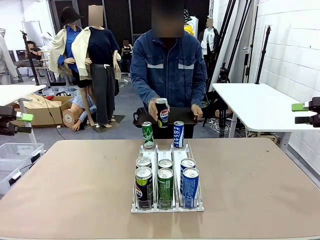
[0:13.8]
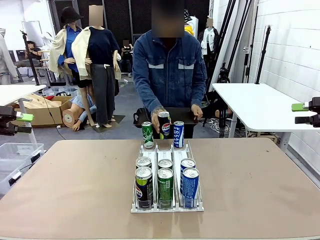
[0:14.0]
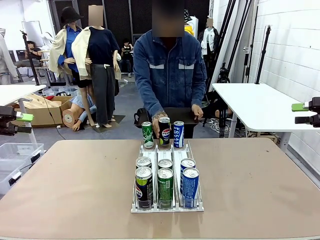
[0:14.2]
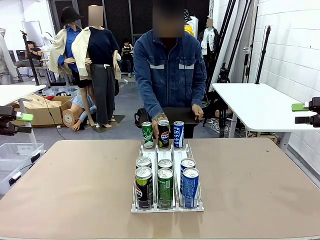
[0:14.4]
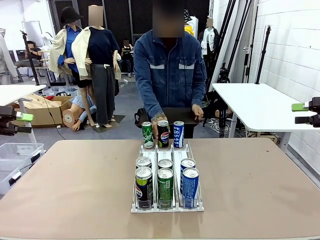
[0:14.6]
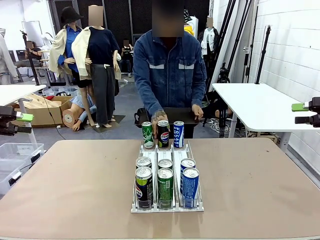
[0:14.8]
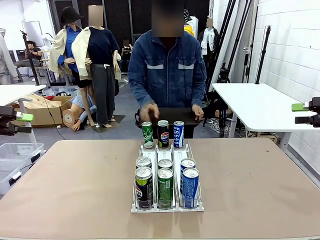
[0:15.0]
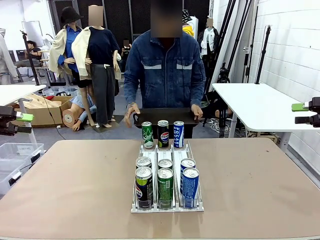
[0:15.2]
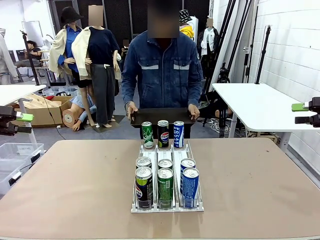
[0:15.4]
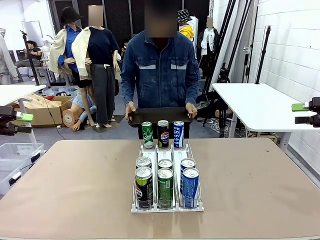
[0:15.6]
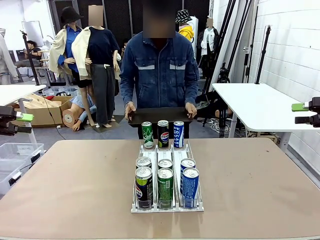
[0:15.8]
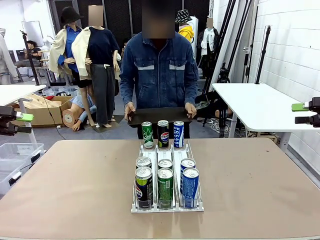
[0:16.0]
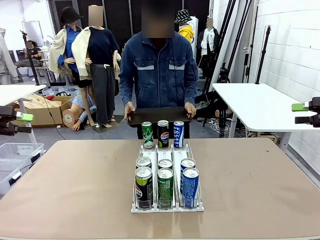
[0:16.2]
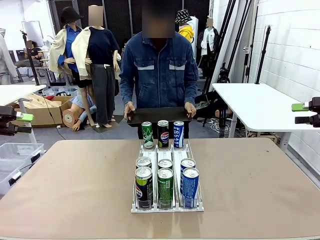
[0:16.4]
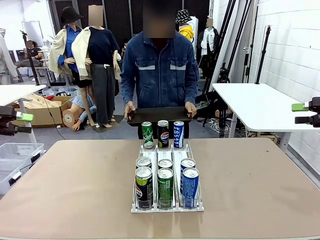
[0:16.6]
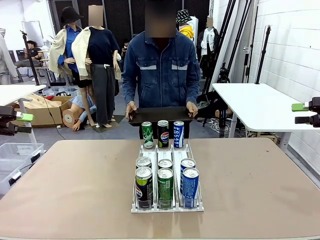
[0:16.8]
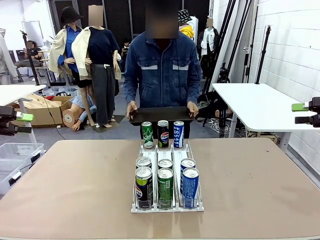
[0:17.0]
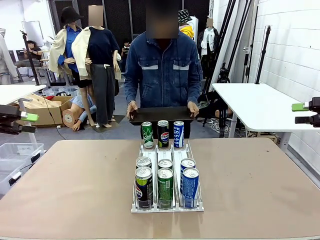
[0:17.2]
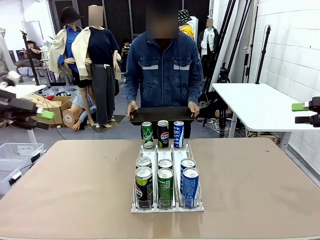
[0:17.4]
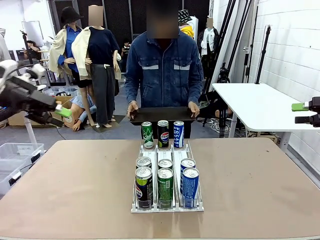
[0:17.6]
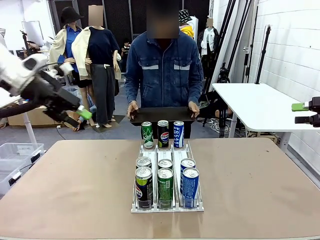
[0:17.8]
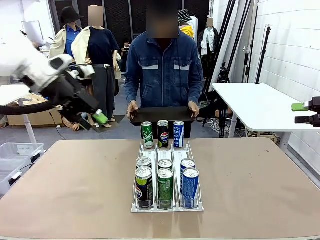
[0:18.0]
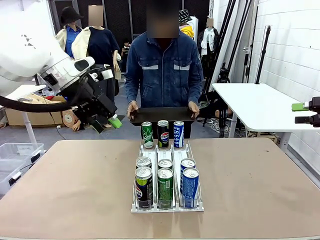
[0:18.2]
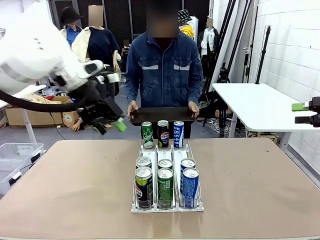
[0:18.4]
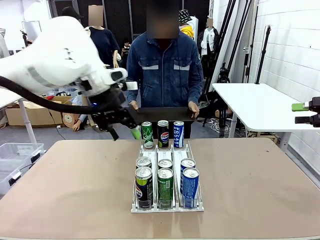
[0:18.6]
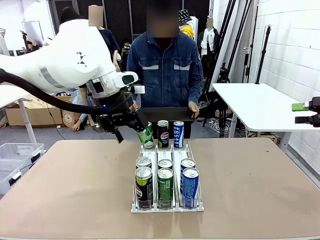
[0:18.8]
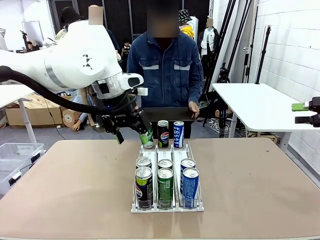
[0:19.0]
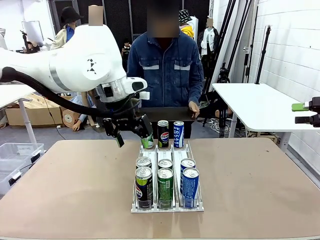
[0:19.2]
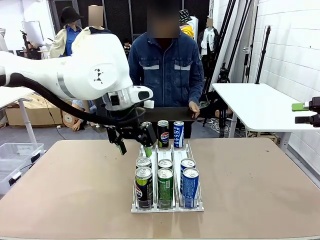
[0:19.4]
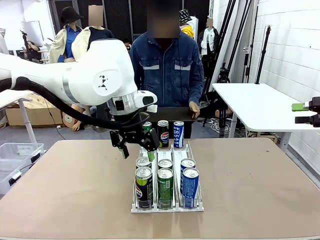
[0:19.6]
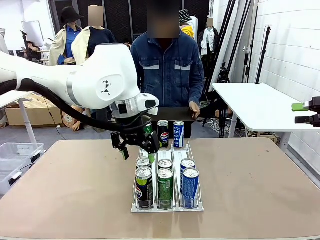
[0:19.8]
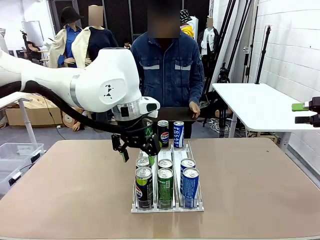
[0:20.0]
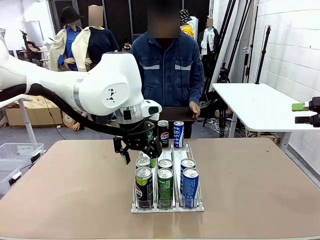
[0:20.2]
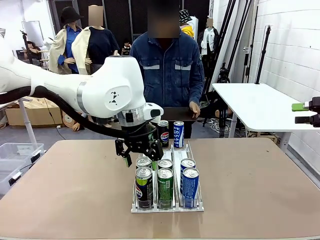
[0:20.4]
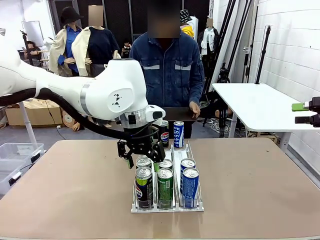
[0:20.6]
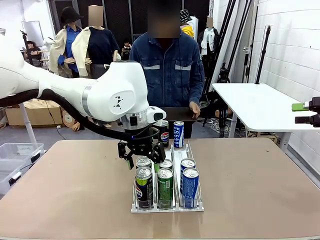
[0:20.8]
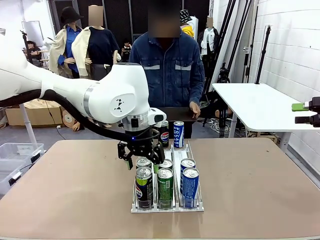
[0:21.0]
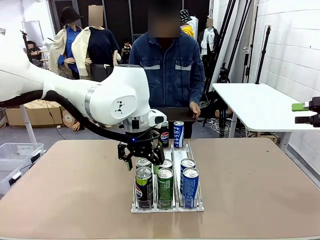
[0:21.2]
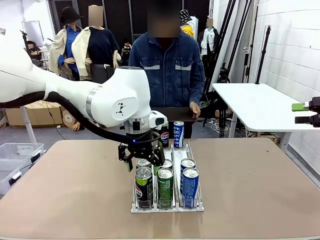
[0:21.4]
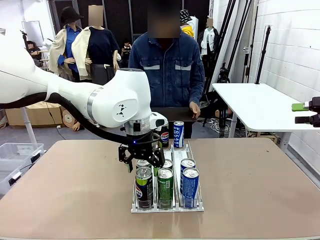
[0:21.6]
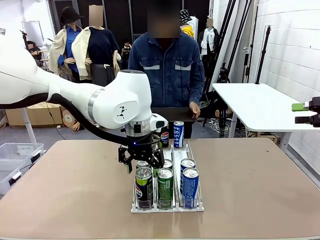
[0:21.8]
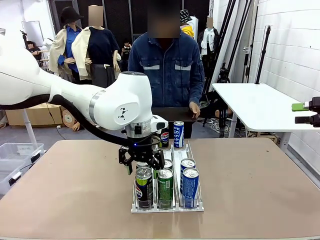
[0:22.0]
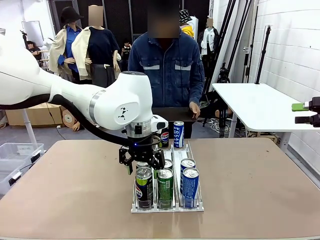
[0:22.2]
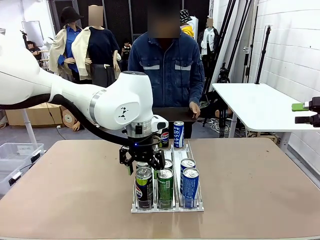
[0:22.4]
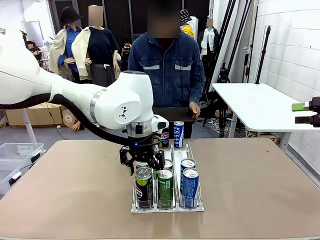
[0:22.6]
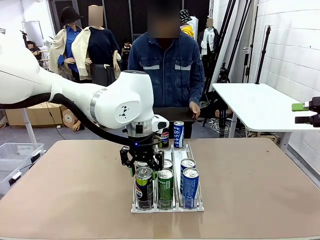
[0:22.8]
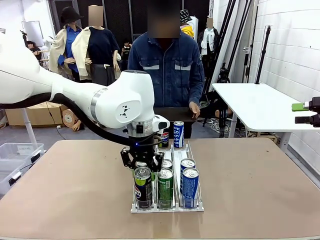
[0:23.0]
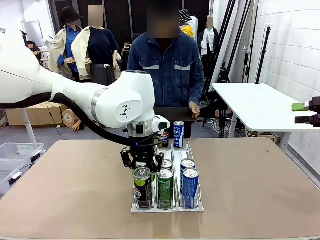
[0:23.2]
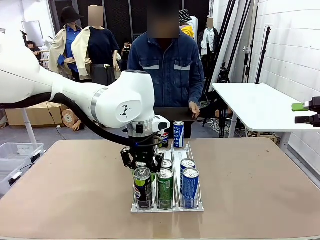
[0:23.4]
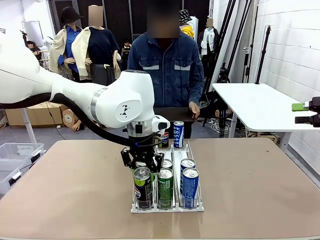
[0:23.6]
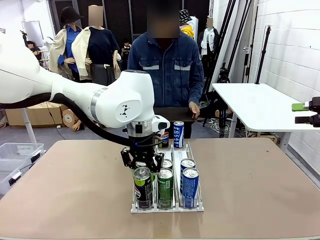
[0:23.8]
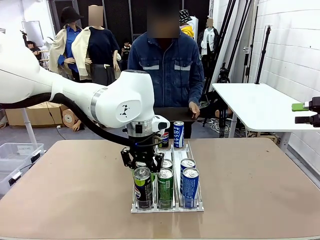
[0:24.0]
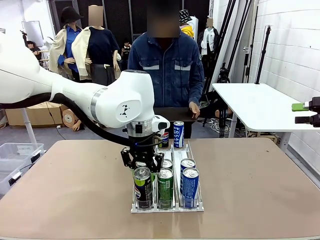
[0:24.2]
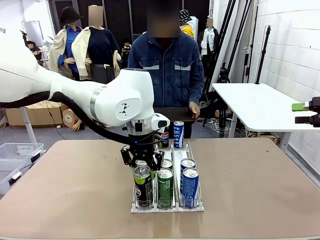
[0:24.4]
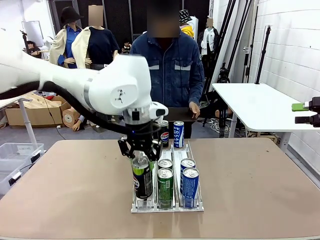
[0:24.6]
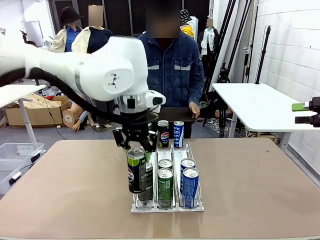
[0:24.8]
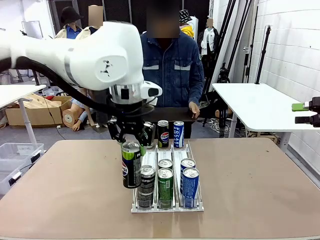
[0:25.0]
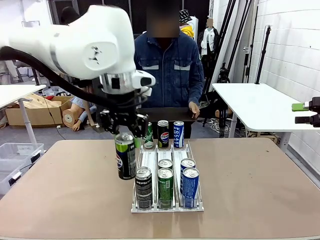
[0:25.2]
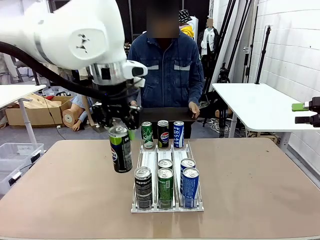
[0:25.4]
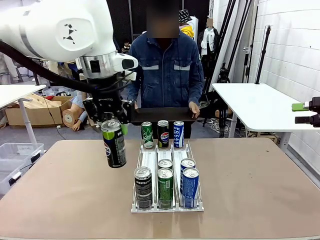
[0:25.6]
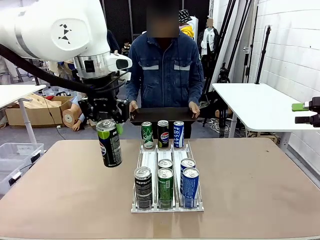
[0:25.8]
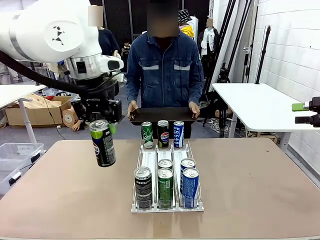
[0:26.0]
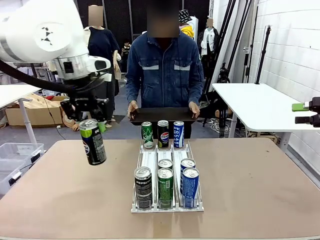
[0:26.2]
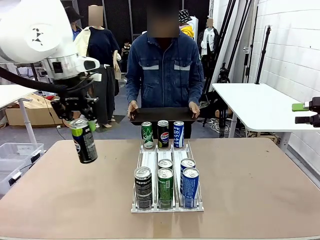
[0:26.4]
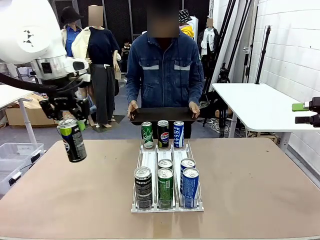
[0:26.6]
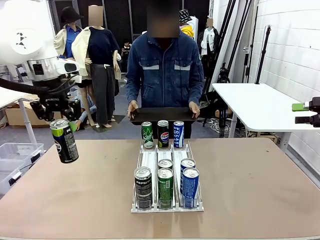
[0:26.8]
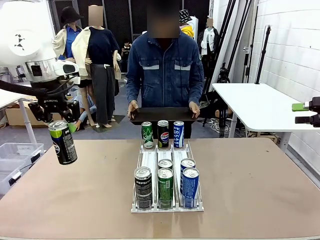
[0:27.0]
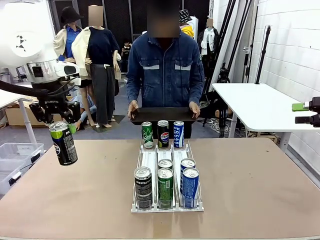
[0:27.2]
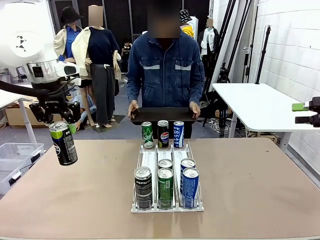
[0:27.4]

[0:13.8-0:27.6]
Task: Retrieve and hand over the desired beverage to the person.
Robot: Pick up a can of the same type that the person held from the Automatic Can Dispenser.
Person: Push the tray toward the robot.

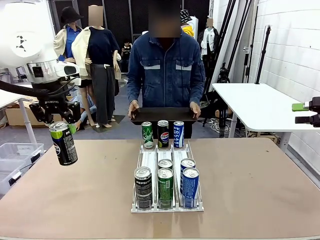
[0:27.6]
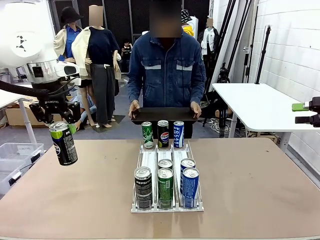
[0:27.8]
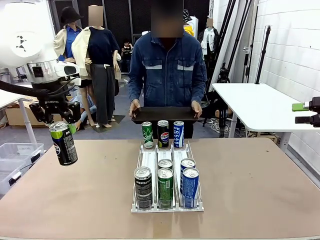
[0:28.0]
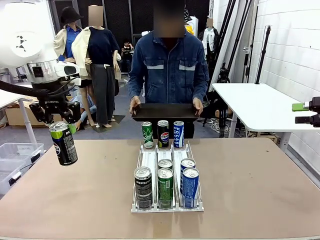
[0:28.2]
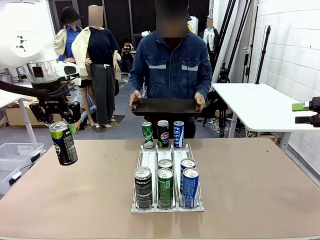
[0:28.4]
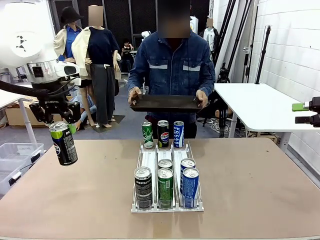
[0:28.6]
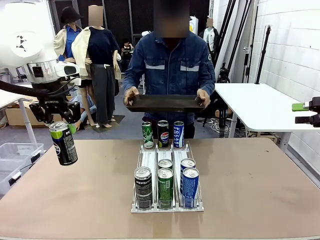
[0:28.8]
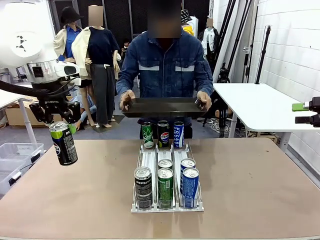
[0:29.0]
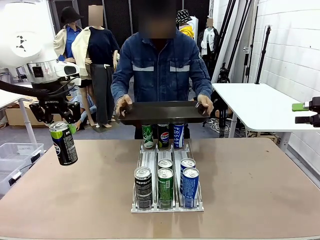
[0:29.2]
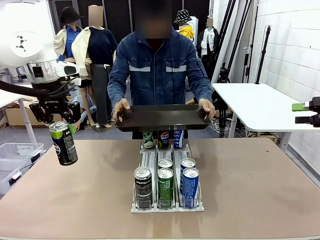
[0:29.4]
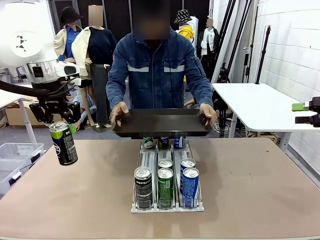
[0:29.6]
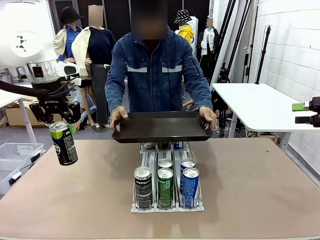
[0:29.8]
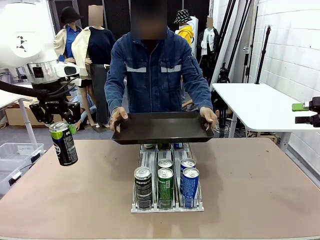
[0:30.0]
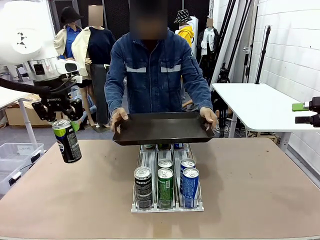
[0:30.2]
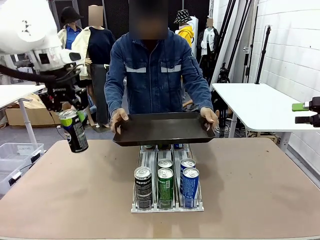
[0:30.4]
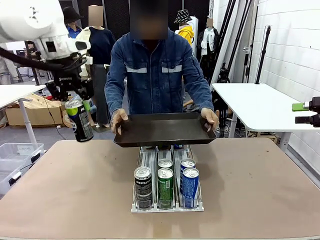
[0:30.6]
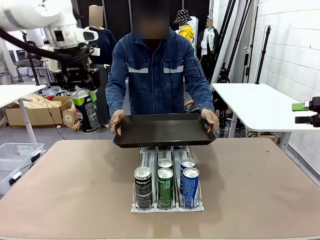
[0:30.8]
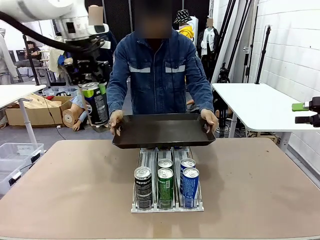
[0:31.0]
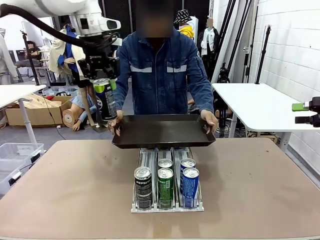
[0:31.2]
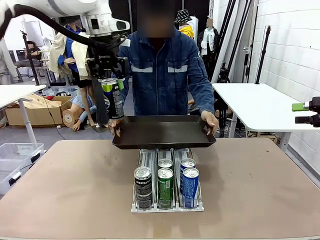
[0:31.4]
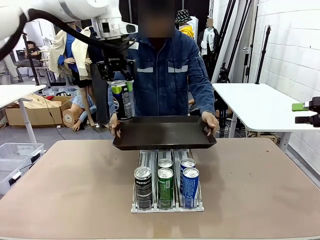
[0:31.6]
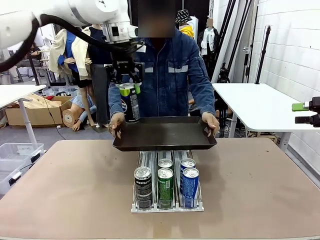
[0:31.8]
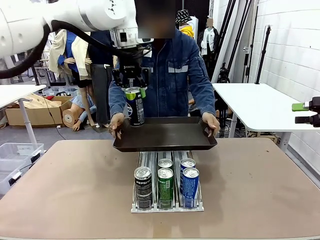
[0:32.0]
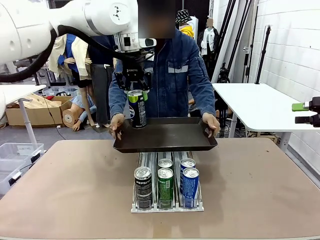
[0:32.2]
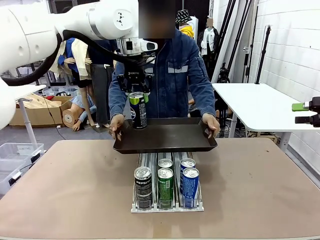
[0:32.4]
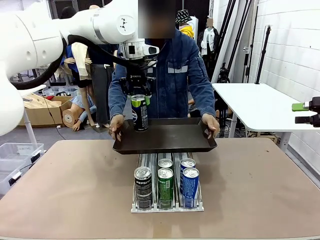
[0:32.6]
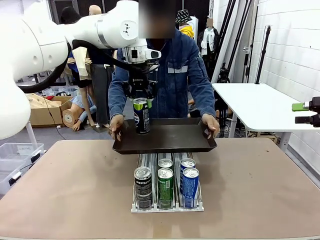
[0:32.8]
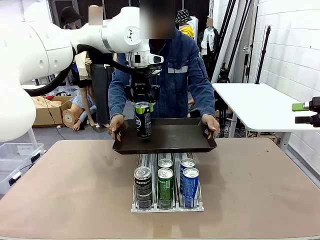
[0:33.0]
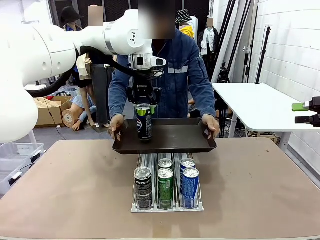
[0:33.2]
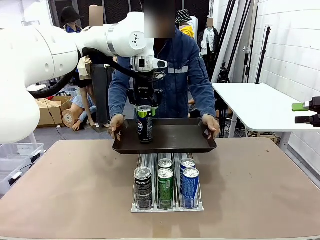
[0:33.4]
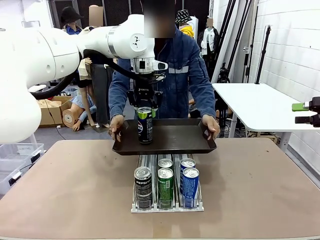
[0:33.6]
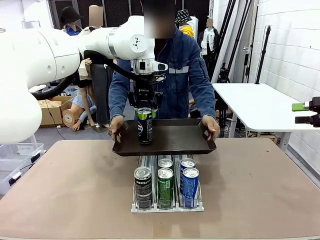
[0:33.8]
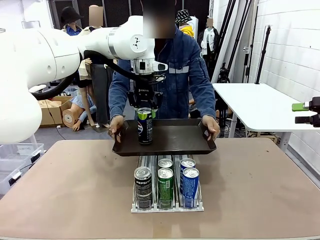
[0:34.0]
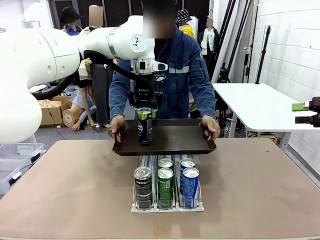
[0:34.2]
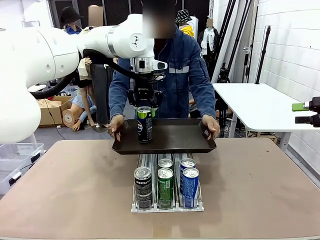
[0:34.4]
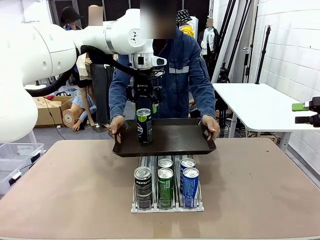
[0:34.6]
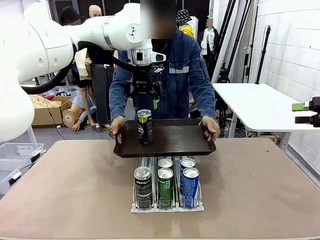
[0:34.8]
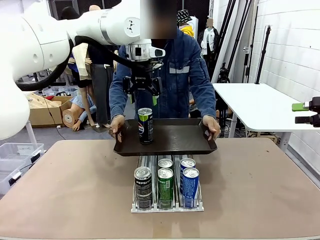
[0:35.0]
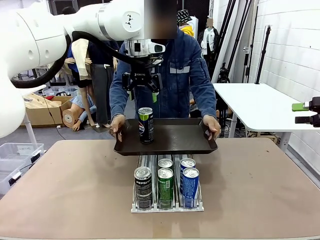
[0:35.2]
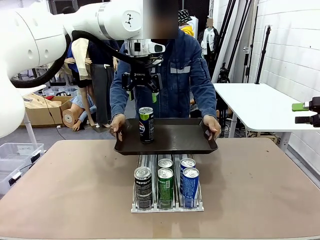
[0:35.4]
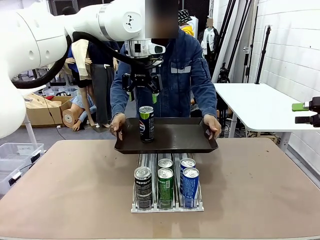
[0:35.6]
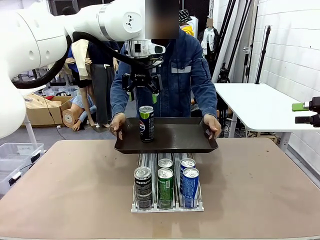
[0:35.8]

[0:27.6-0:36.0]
Robot: Place the picked can on the Handle tray extended by the person.
